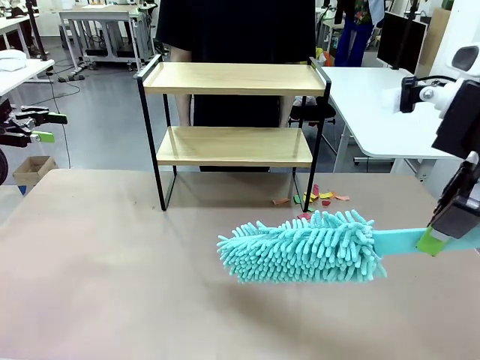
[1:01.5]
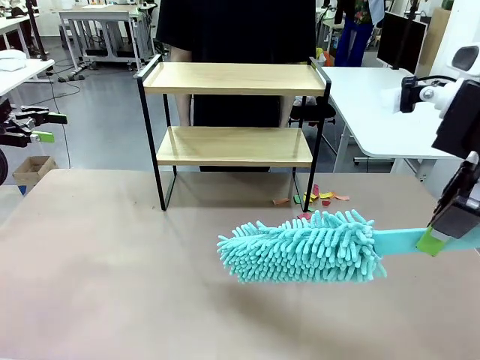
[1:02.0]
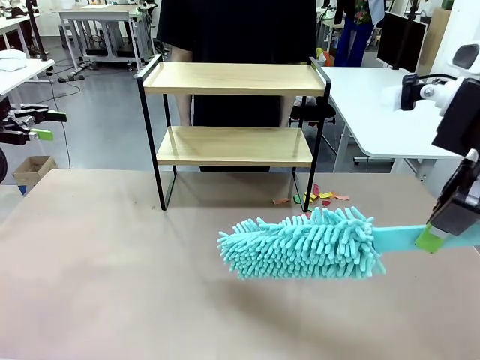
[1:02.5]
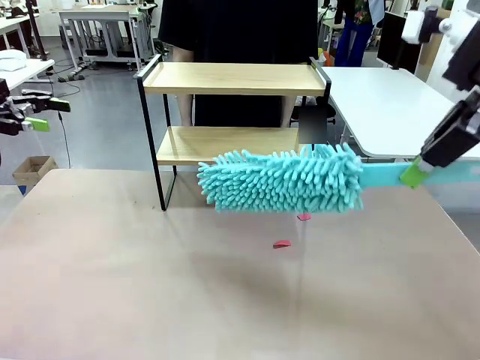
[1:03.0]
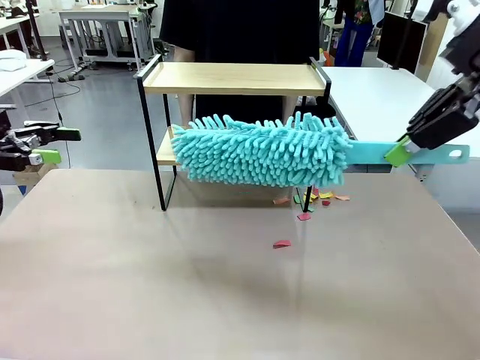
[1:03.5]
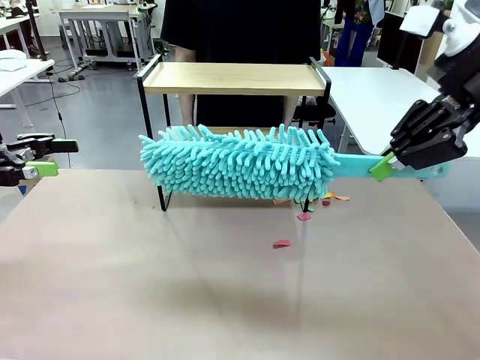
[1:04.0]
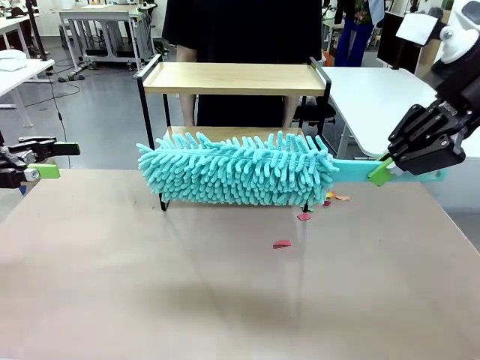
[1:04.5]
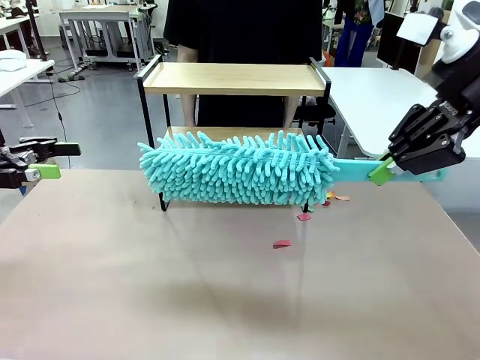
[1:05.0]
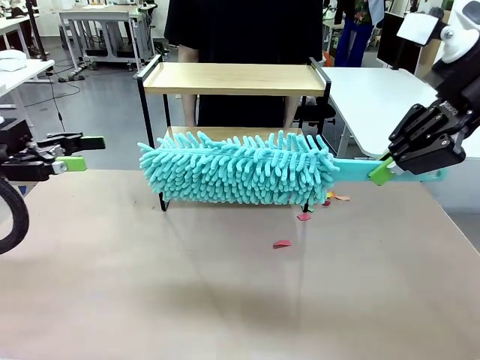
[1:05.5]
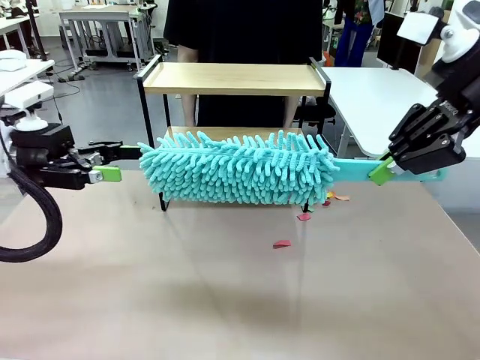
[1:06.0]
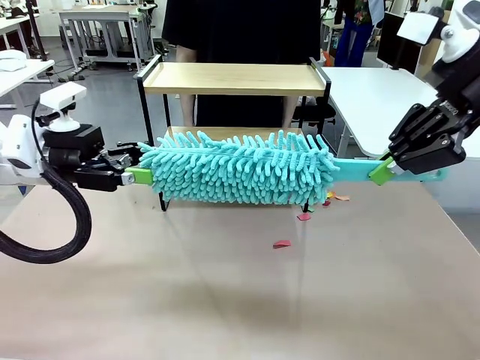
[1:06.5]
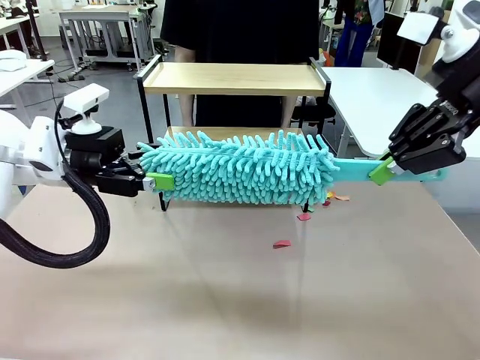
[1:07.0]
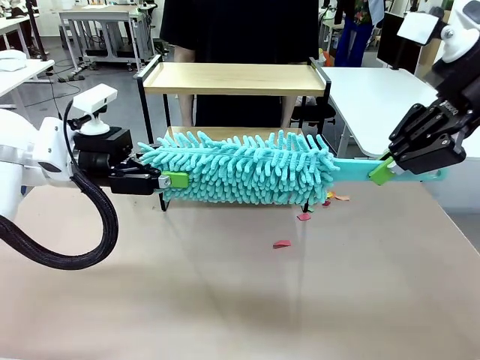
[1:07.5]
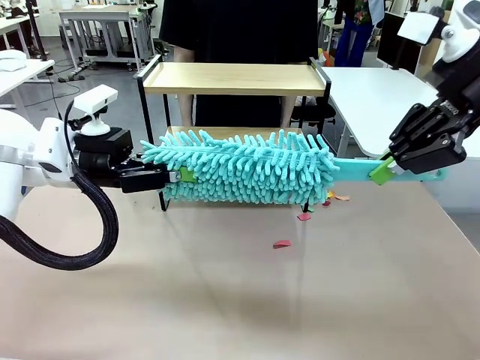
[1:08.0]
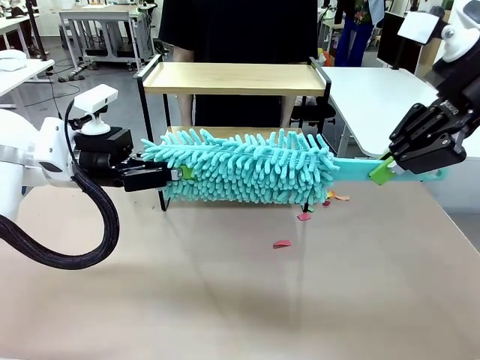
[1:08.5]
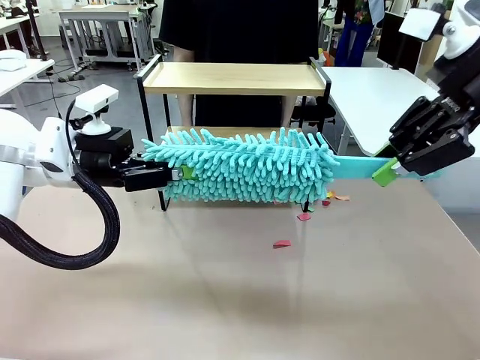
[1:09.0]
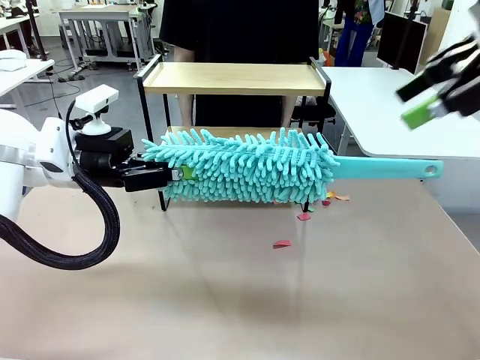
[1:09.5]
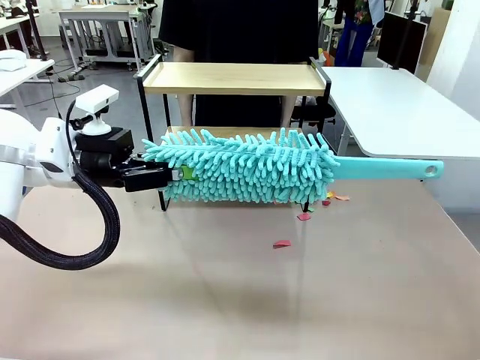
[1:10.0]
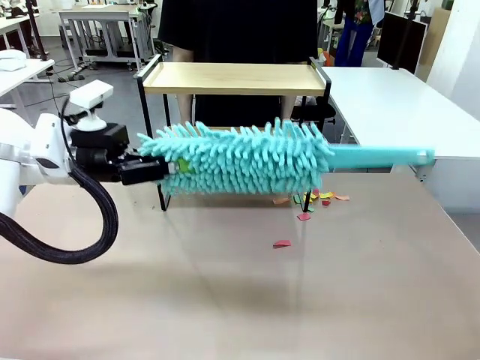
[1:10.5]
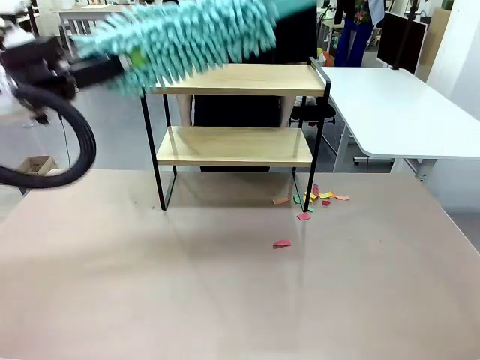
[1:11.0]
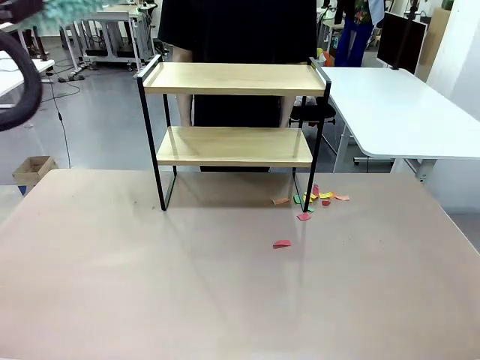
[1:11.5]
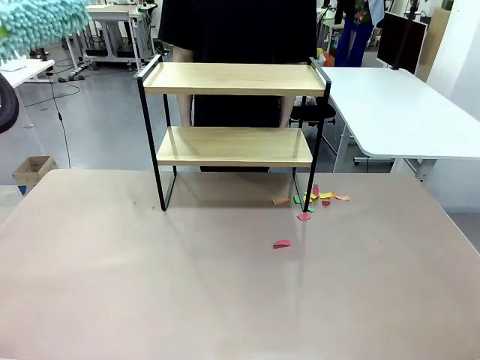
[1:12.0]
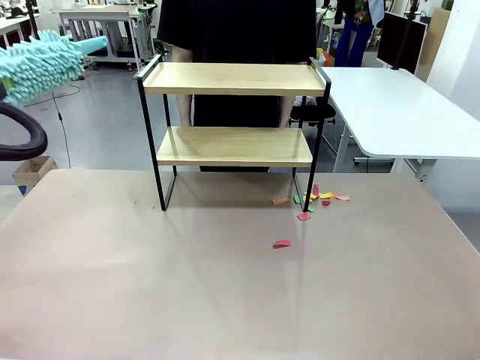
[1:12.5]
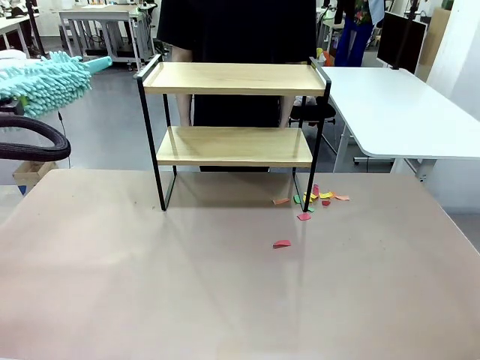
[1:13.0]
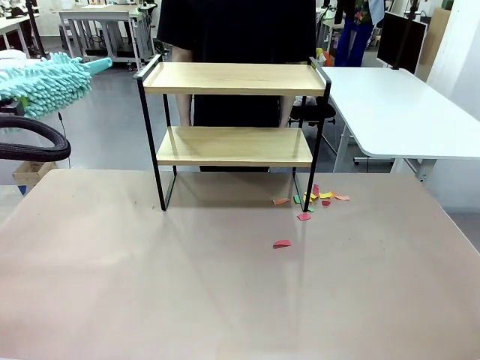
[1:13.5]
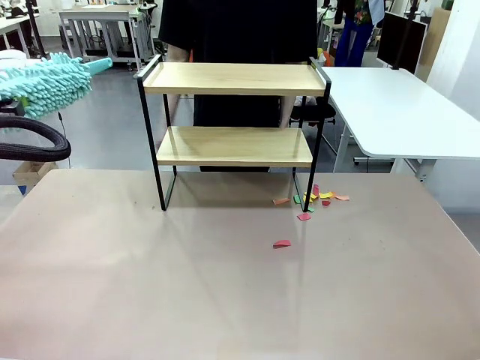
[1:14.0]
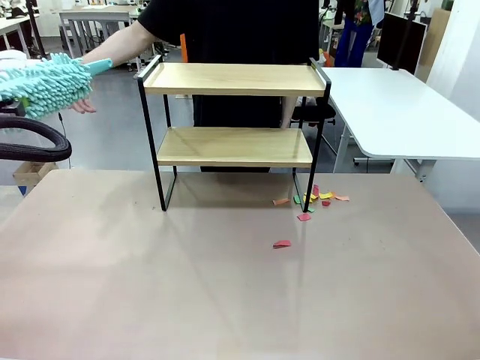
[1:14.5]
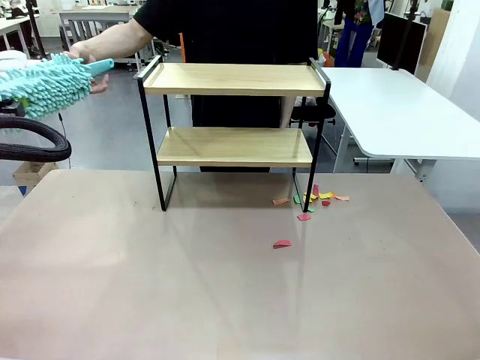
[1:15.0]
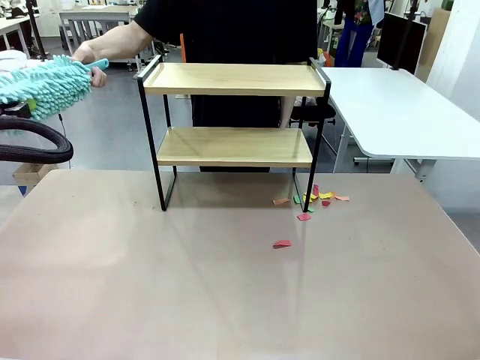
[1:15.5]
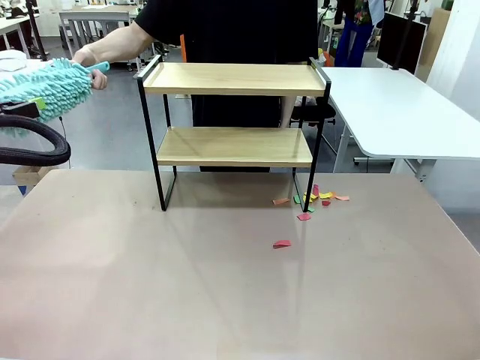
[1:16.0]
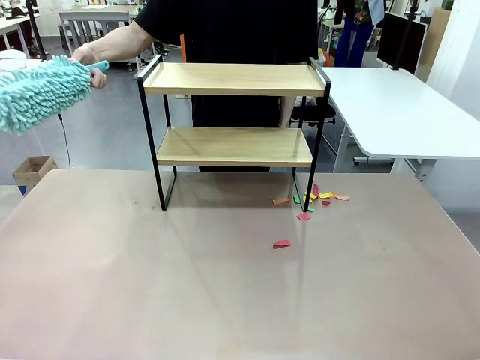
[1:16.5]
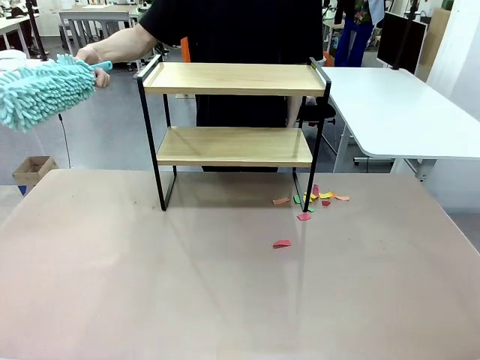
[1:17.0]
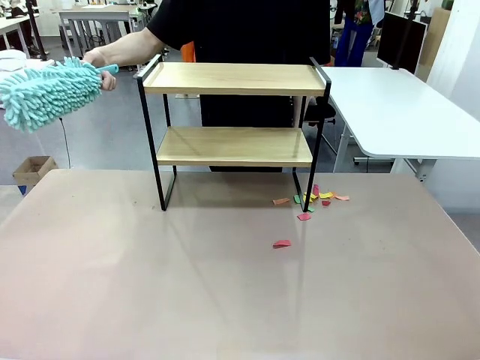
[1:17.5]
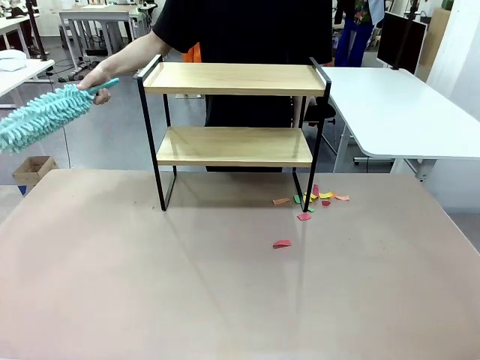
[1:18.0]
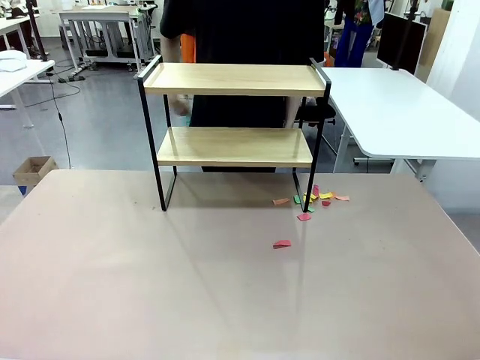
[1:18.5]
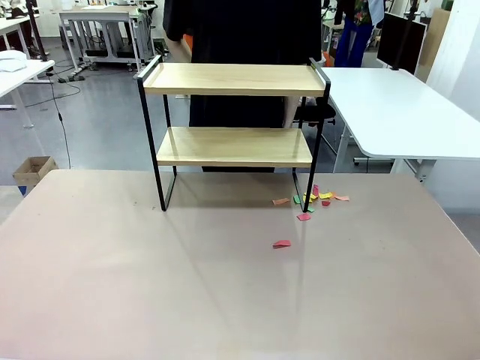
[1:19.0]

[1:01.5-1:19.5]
Task: Clean the shelf.
Robot: Hand the Duster back to the human.
Person: Receive the Duster from the robot.

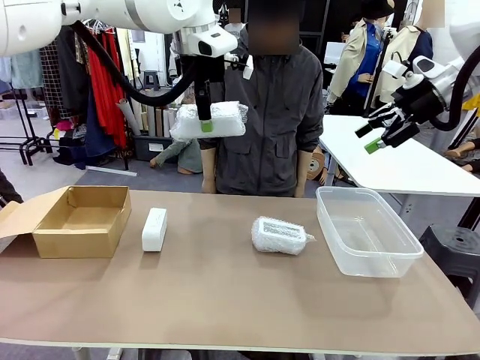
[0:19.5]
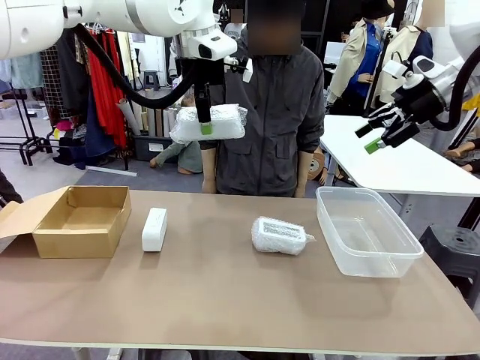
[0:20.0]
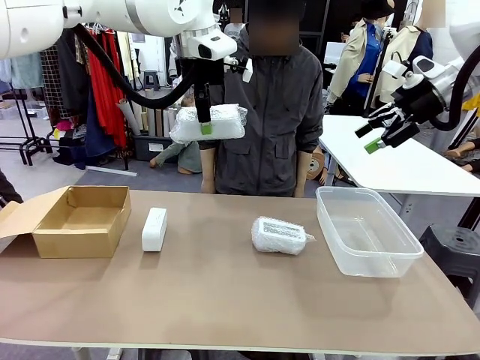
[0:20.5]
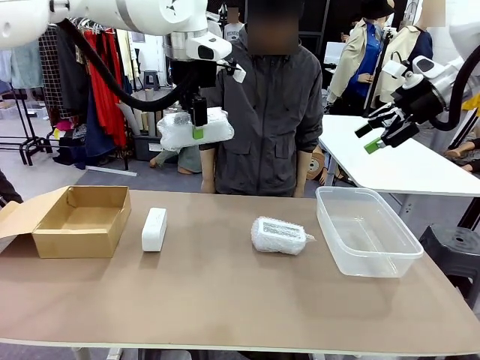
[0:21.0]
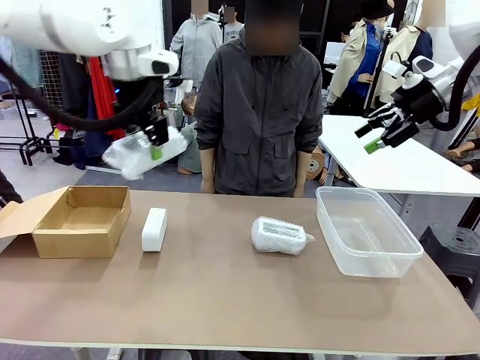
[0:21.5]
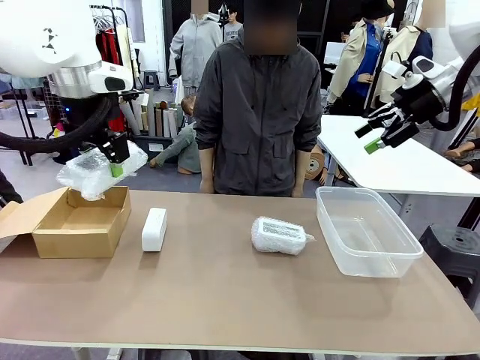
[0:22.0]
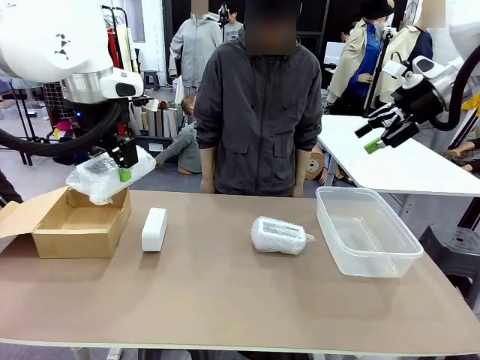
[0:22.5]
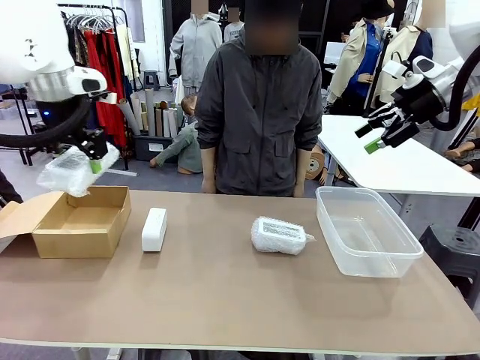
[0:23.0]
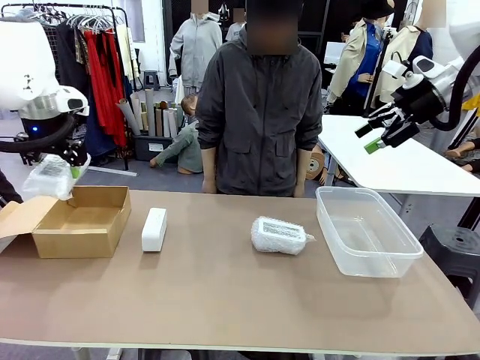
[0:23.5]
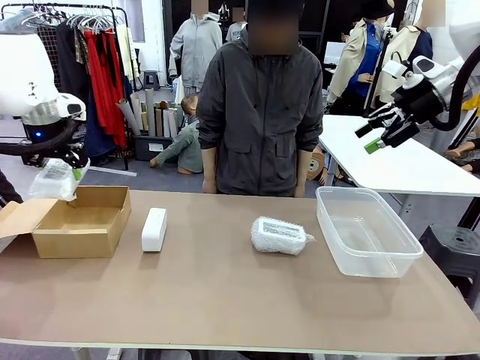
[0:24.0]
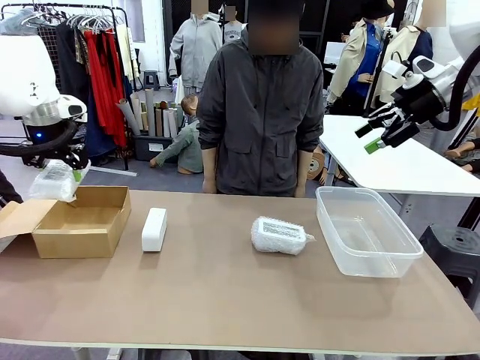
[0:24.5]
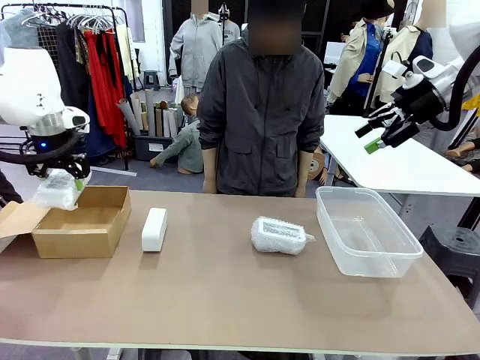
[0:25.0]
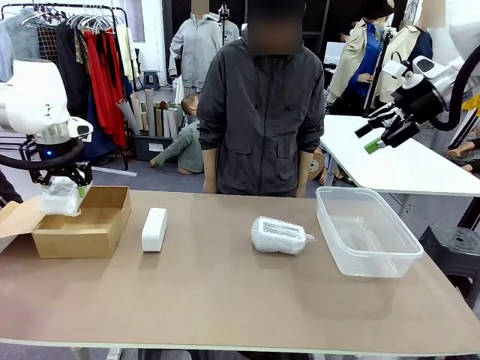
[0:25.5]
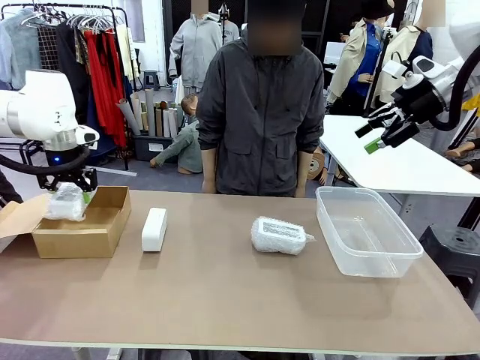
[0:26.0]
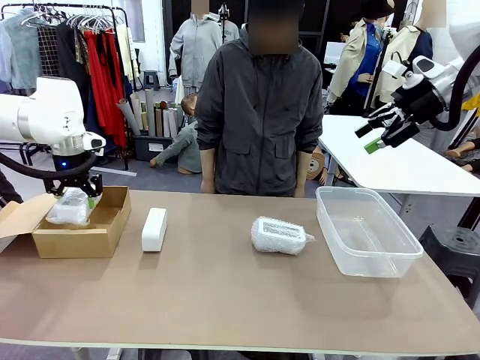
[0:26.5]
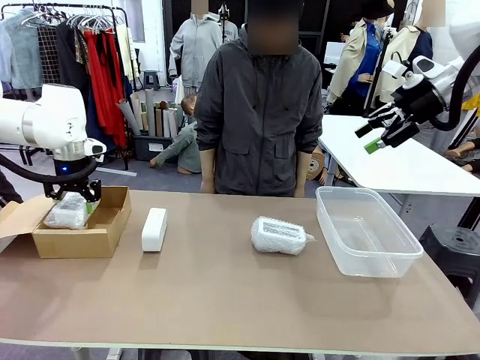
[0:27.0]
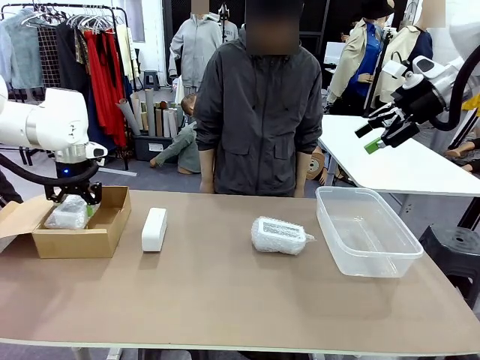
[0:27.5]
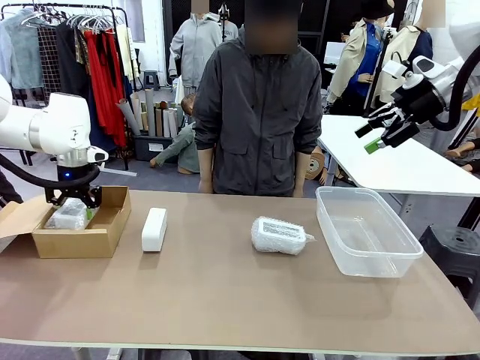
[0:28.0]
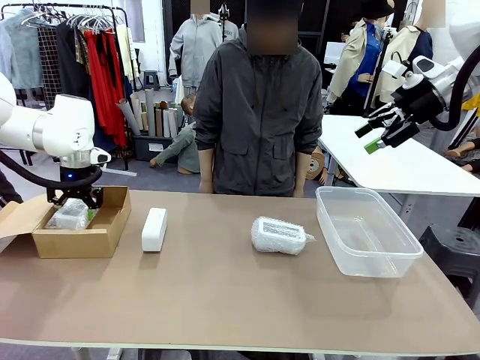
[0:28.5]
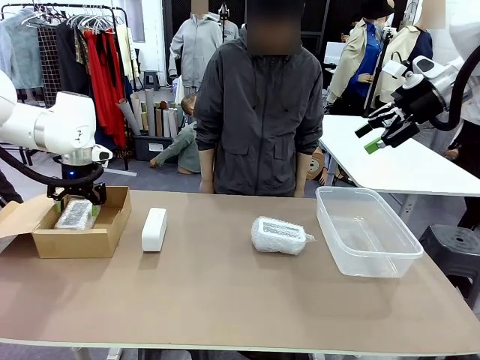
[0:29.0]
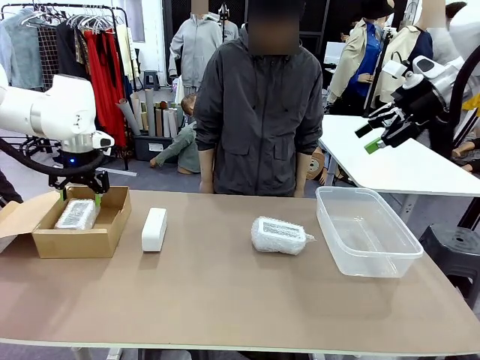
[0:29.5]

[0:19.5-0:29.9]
Task: Separate and place wrapped and unwrapped clocks.
Robot: If the picked Digital clock is wrapped, place it in the Package Box ; if not, place it in the Organizing box.
